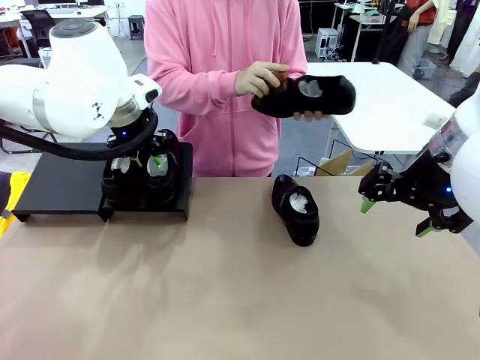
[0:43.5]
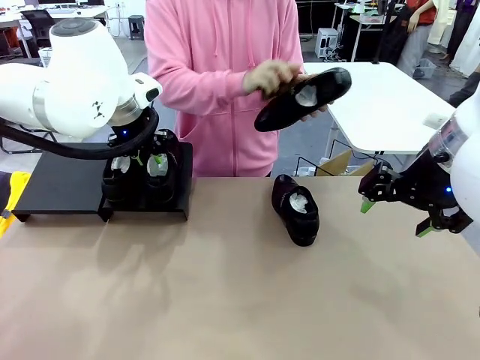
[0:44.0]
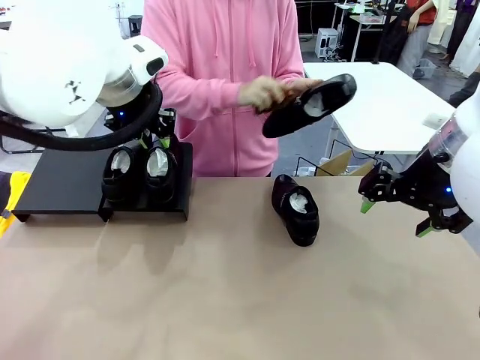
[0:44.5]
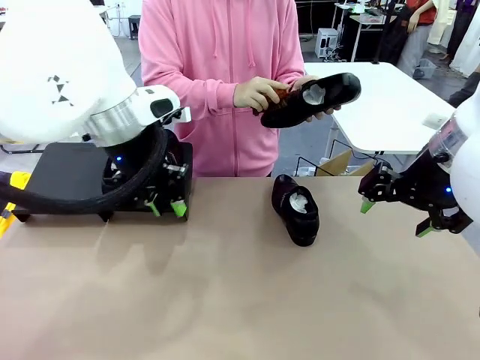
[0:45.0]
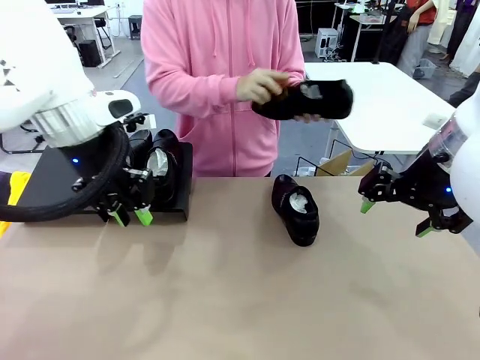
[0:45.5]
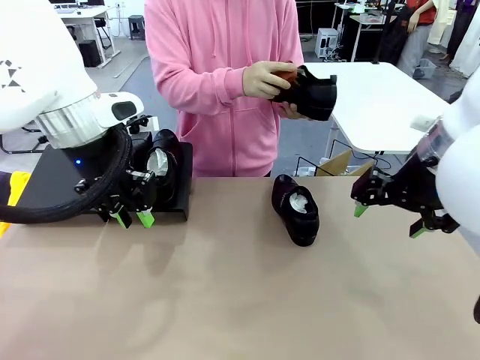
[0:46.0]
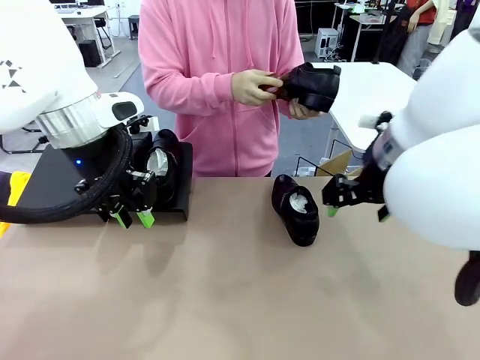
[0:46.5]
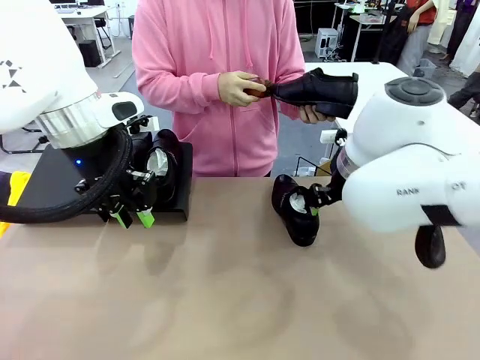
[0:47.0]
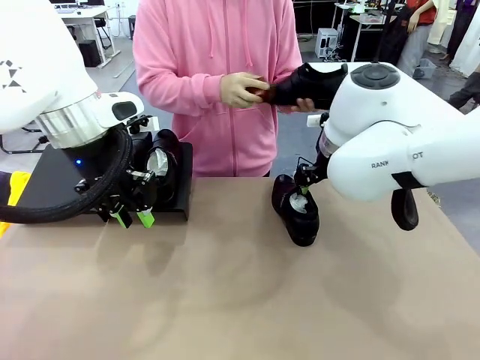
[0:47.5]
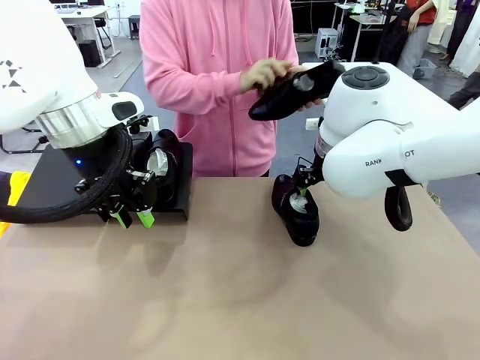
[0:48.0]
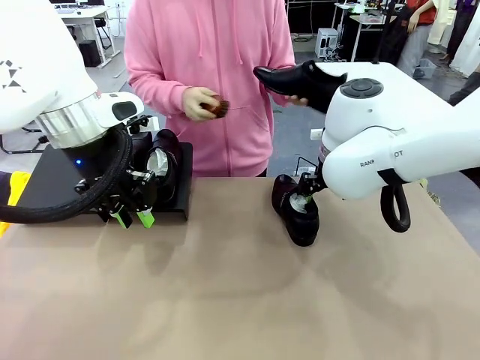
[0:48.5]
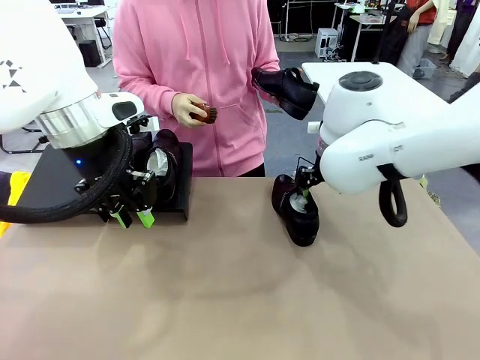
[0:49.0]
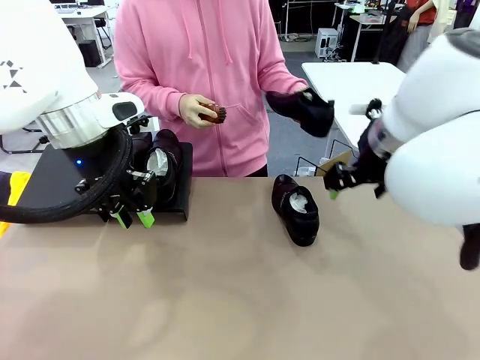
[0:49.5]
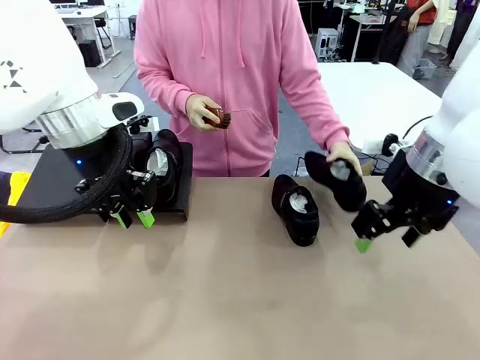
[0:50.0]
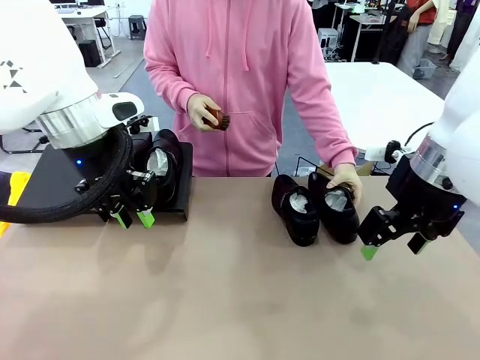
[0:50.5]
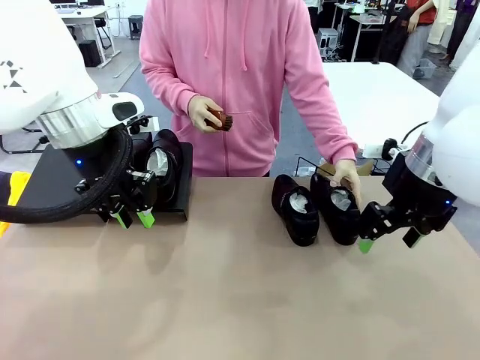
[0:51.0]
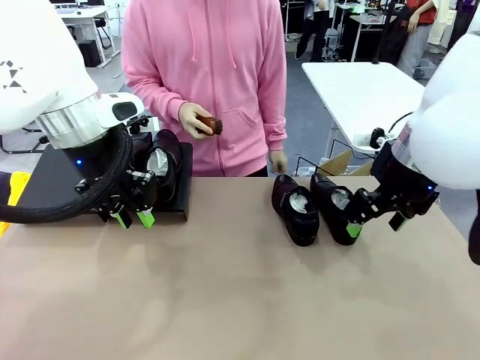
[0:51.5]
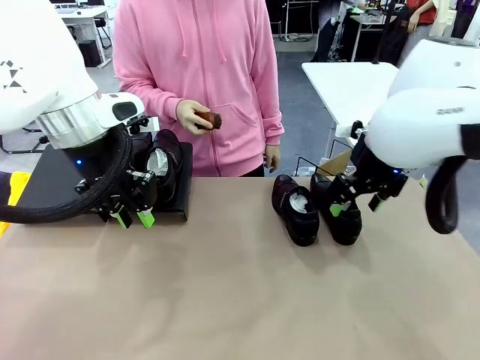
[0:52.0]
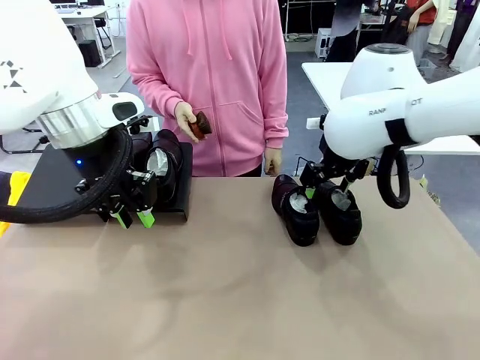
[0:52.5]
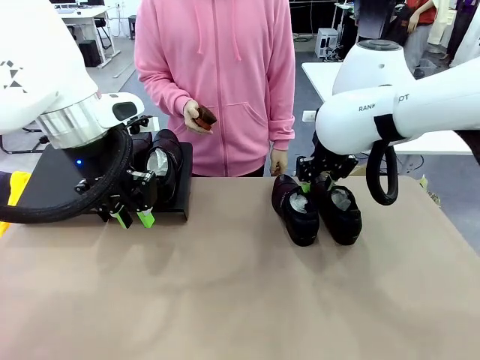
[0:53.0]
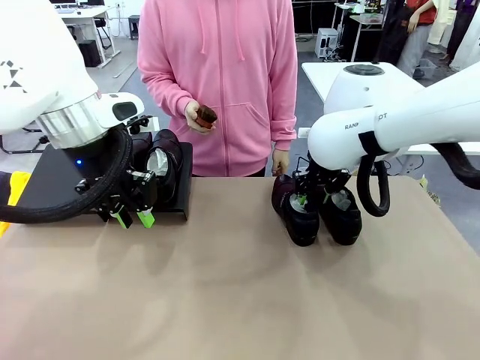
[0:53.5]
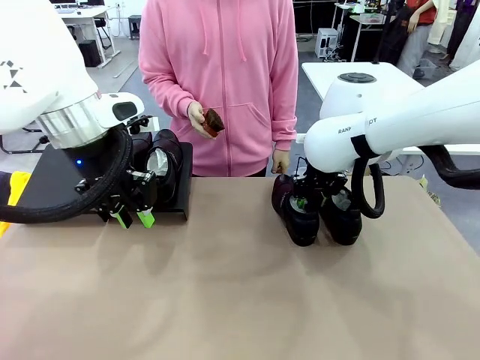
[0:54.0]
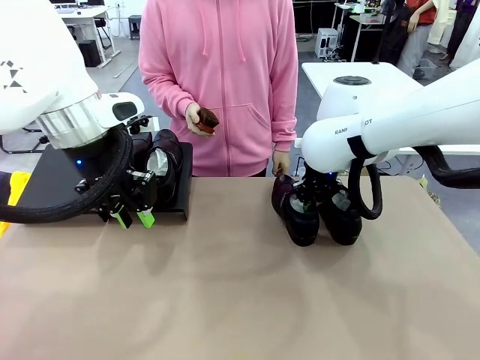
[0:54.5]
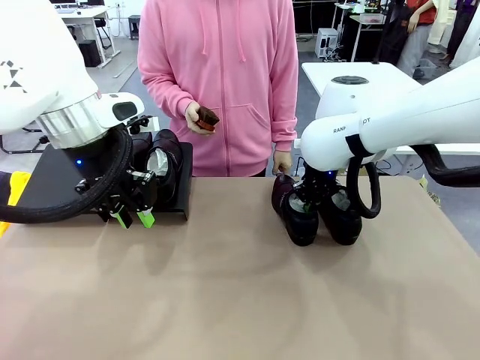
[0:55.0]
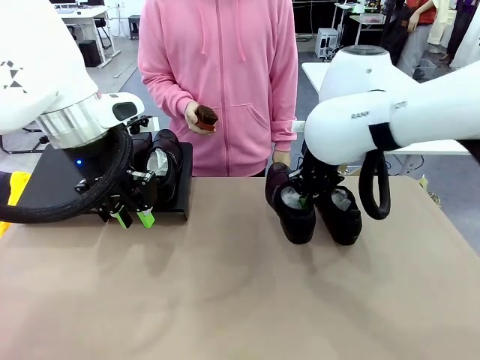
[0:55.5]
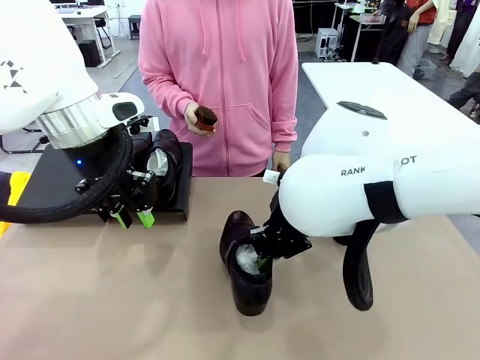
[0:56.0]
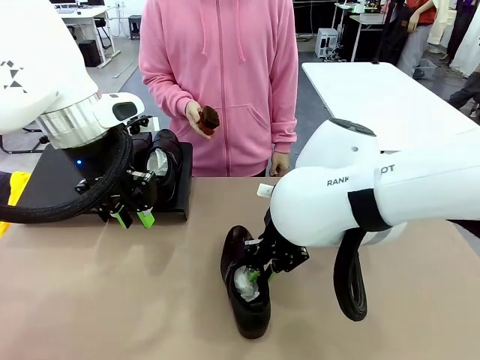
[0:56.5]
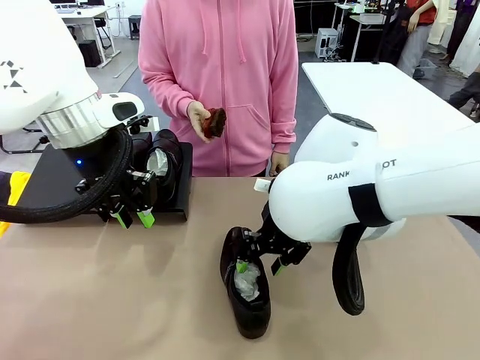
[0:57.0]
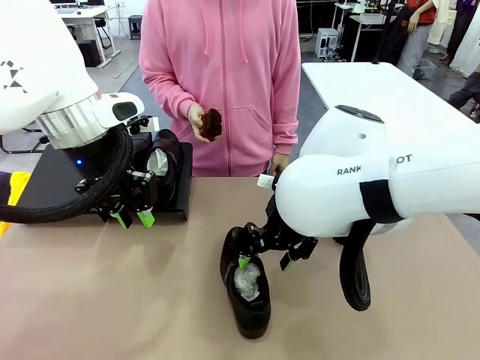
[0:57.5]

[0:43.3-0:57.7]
Task: Organize the shoes by placing them on the stand.
Robot: Pick up one Shoe and place it in the middle of the table.

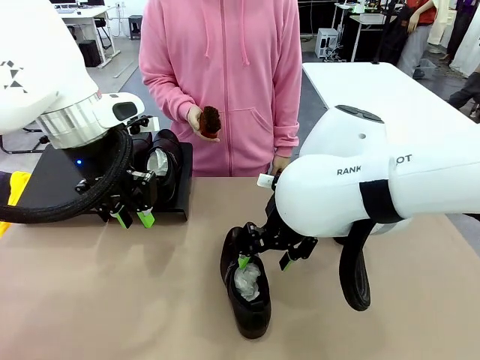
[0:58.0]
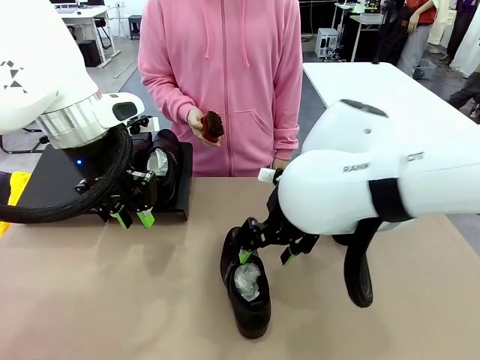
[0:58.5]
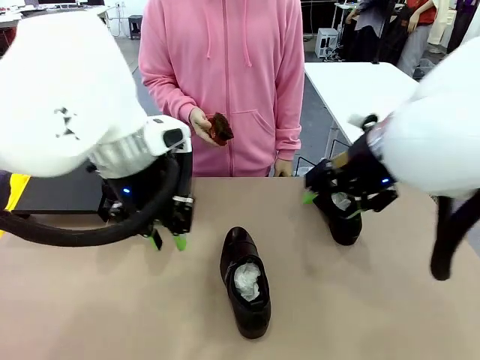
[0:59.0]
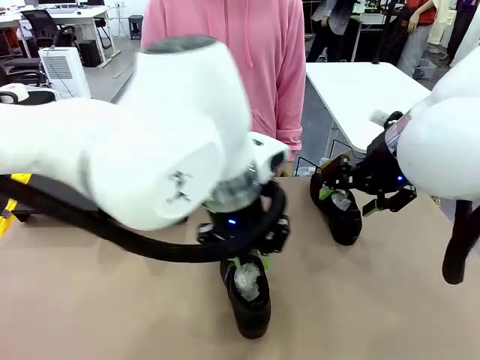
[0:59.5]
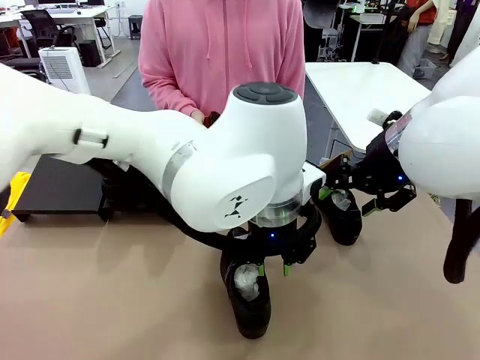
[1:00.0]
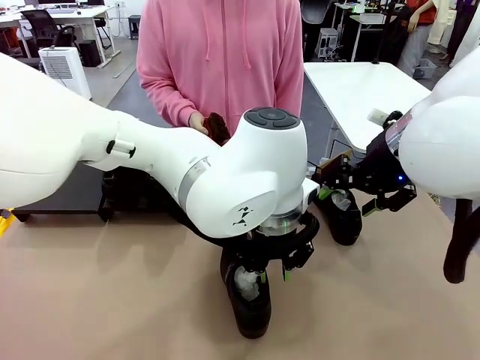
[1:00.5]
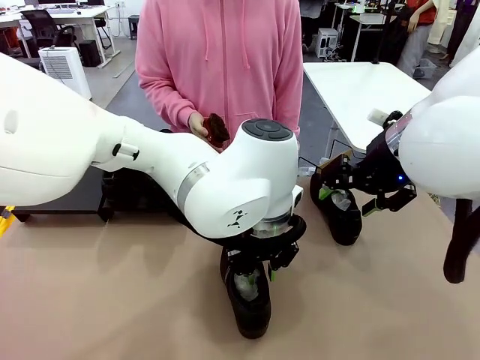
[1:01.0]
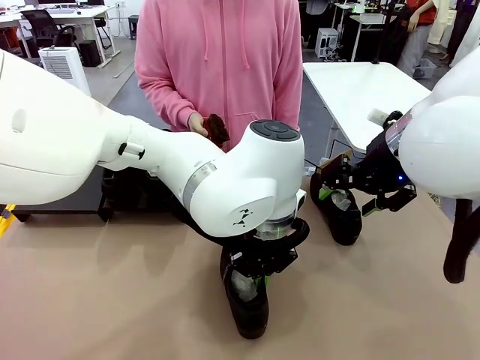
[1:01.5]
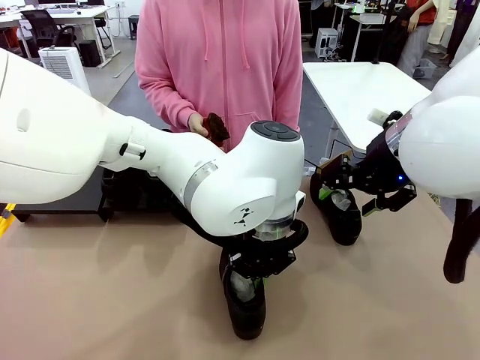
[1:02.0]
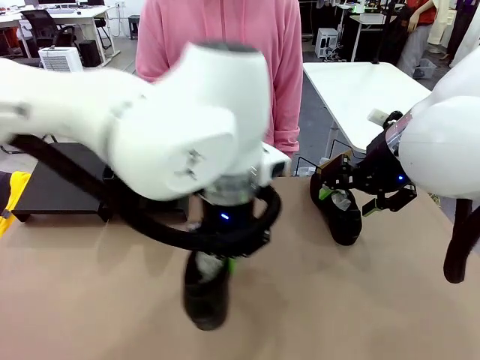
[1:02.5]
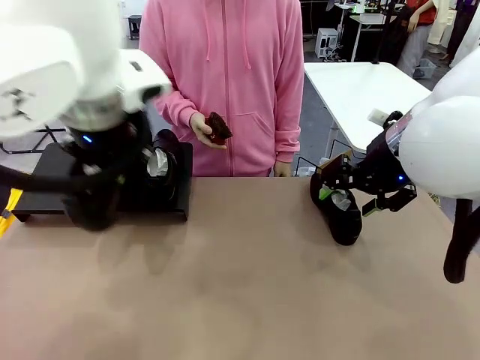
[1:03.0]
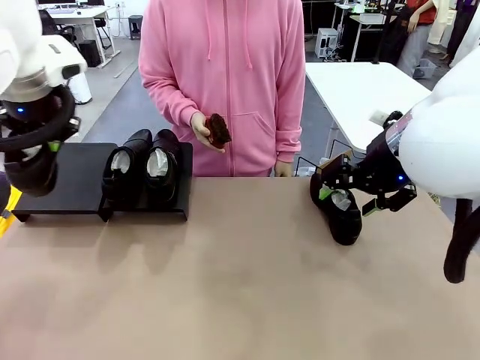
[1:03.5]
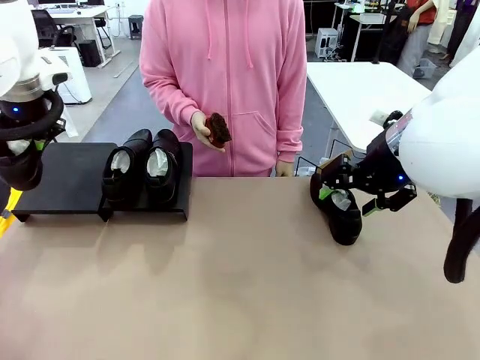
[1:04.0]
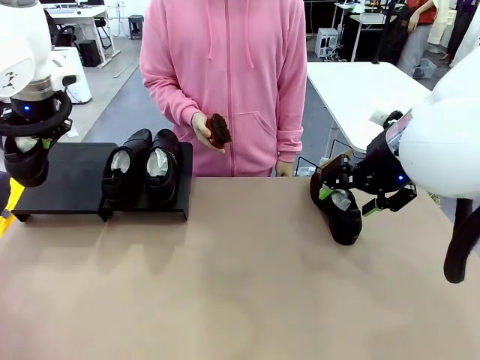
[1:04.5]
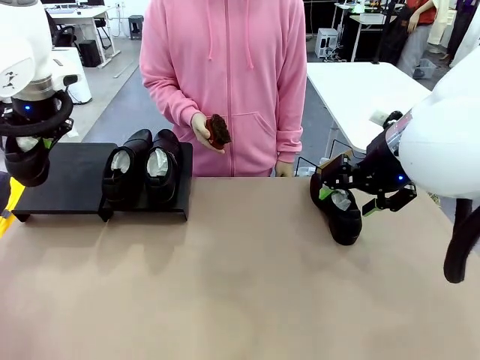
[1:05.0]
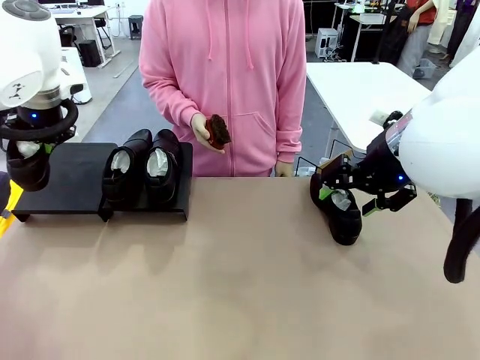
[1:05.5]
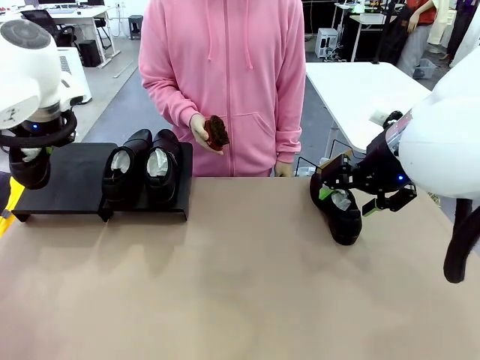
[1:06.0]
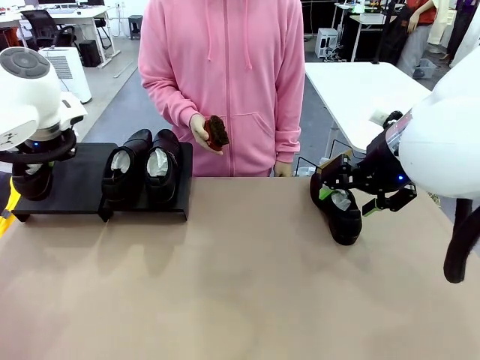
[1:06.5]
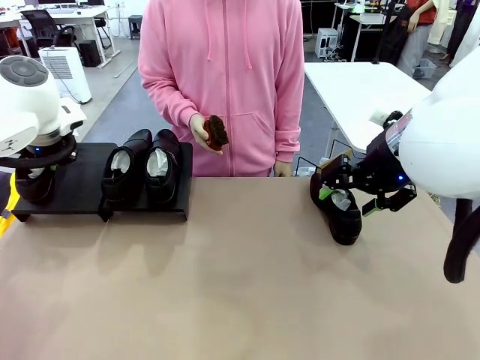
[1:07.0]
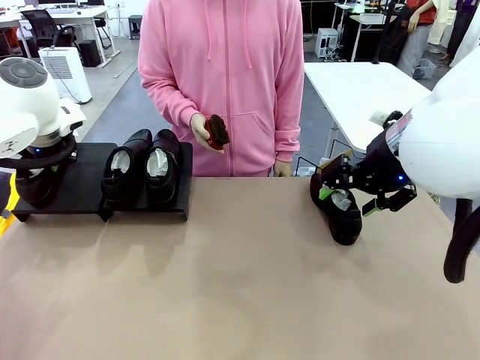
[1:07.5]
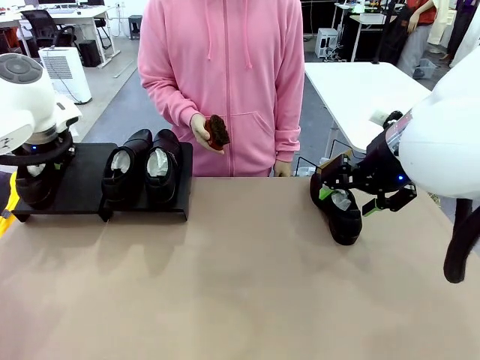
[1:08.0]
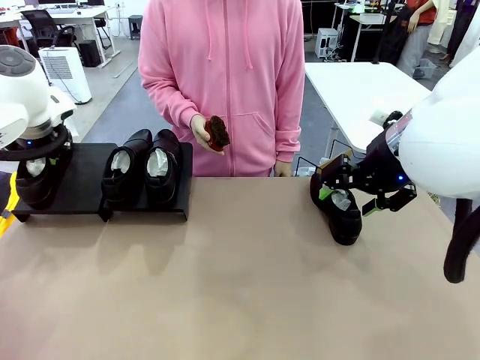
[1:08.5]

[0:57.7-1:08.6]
Robot: Place the Shoe from the middle of the table onto the Shoes Stand.

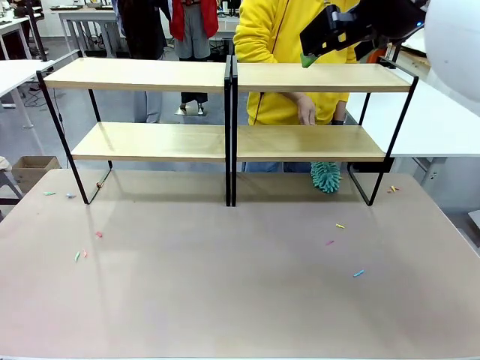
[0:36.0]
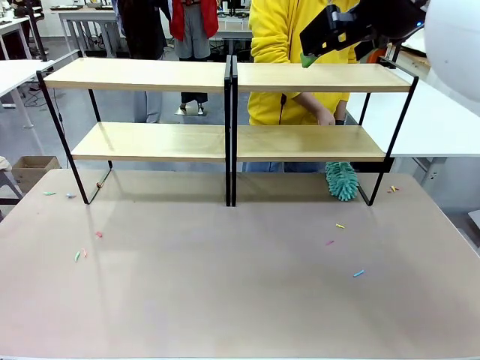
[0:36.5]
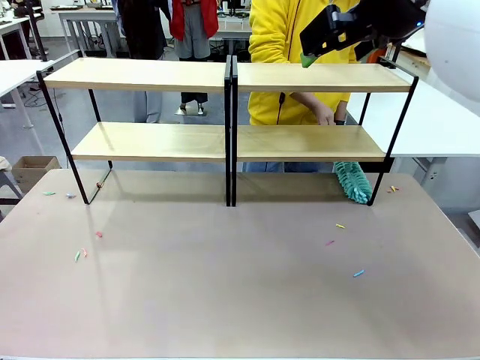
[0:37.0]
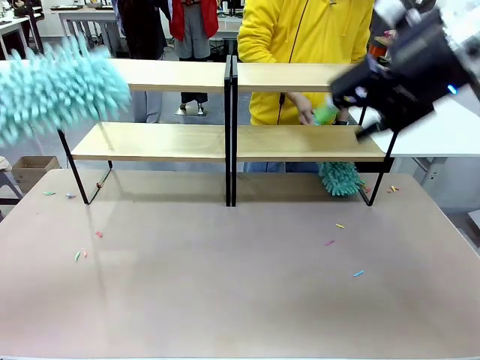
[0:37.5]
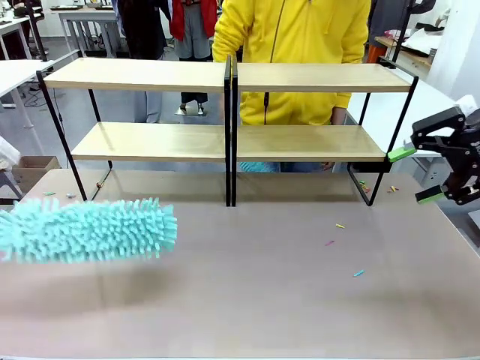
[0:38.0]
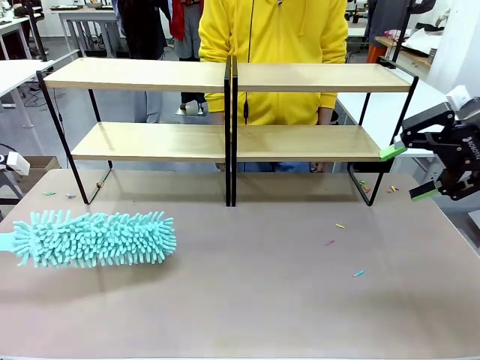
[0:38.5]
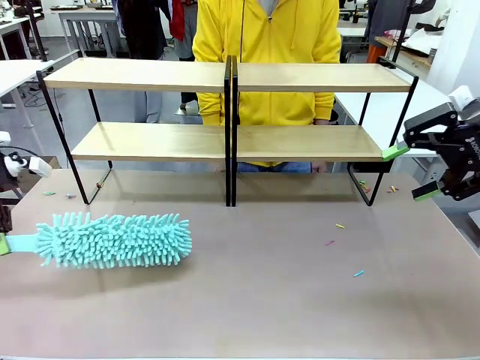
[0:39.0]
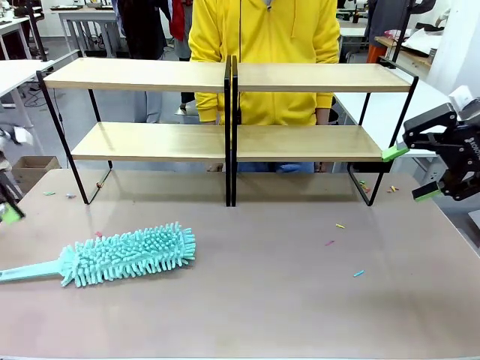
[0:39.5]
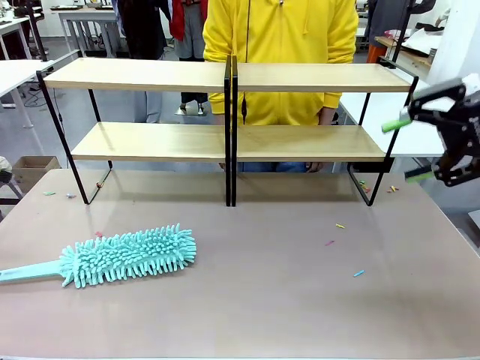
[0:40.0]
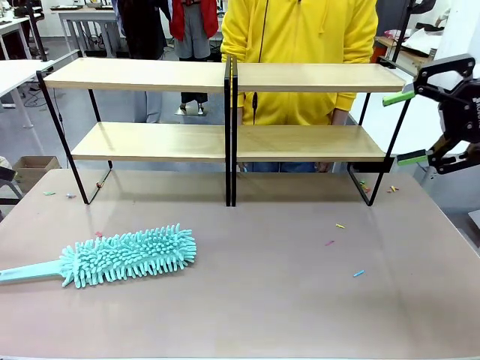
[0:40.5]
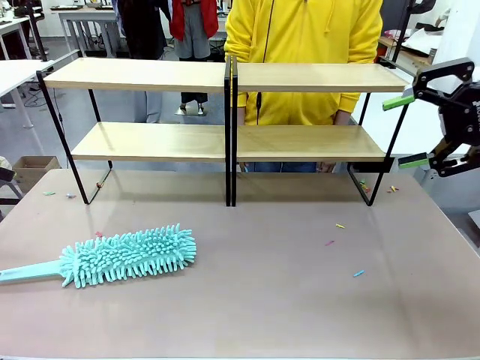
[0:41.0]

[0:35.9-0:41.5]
Task: Clean the shelves.
Robot: Place the Duster on the table.
